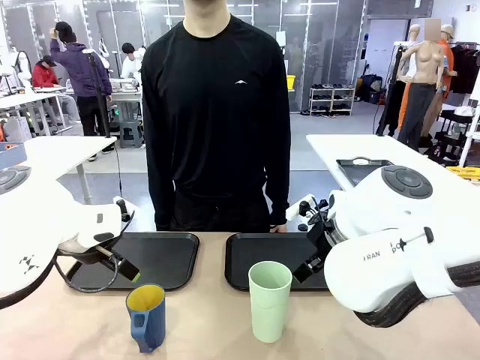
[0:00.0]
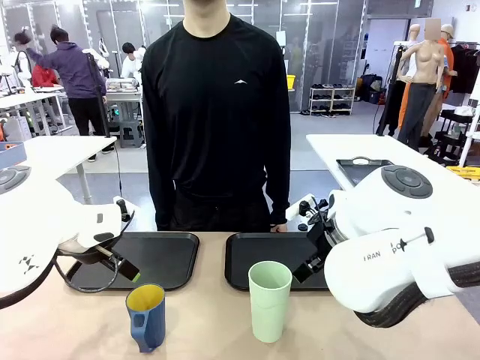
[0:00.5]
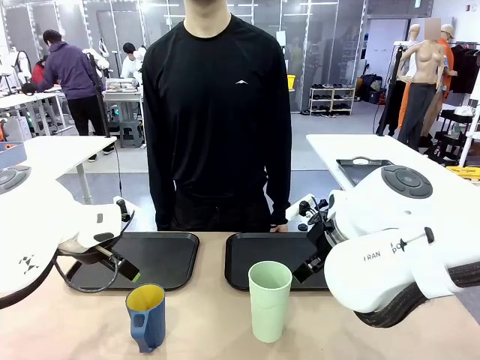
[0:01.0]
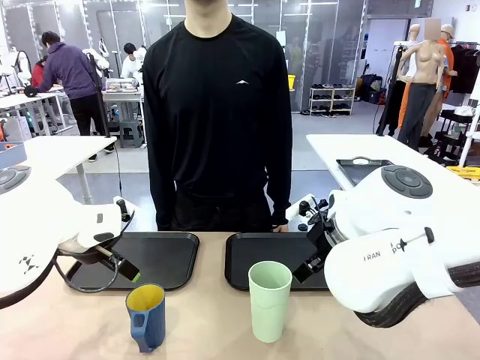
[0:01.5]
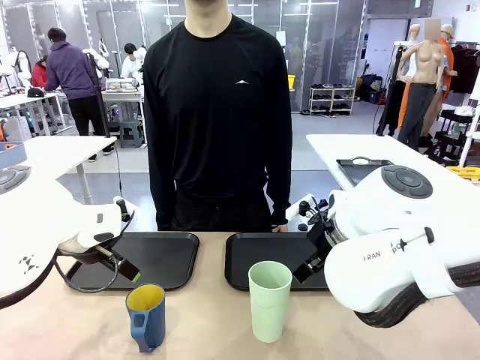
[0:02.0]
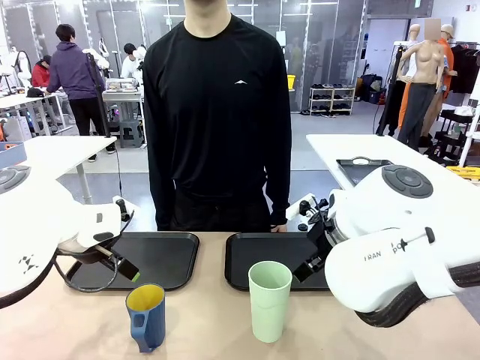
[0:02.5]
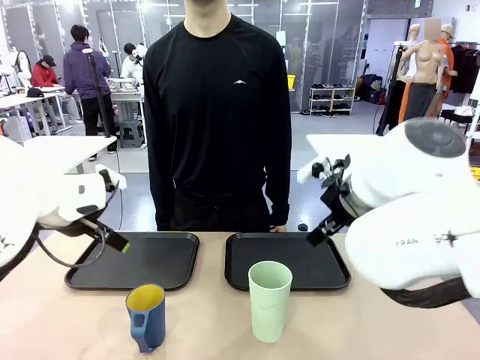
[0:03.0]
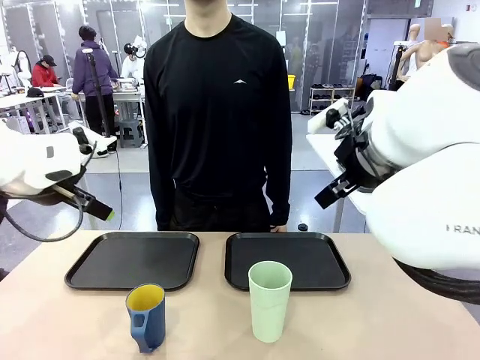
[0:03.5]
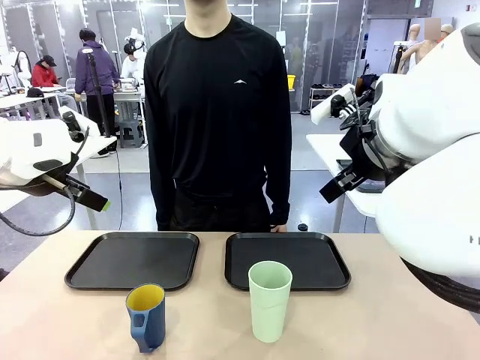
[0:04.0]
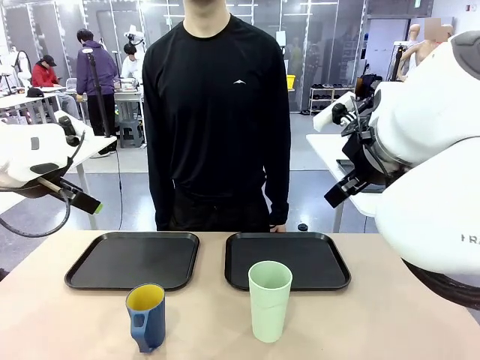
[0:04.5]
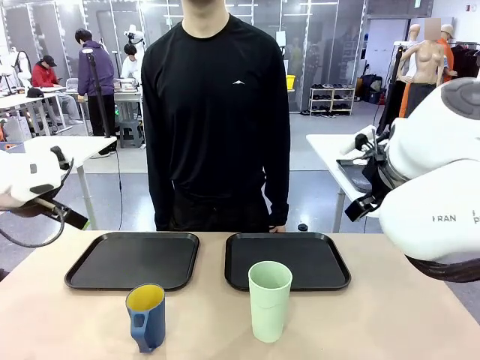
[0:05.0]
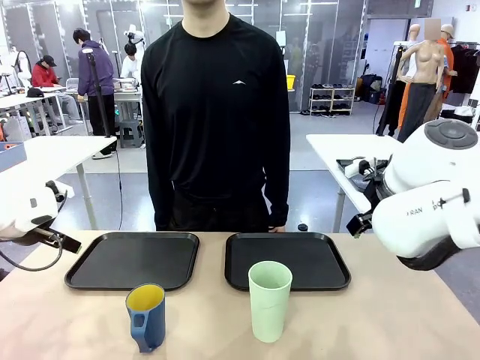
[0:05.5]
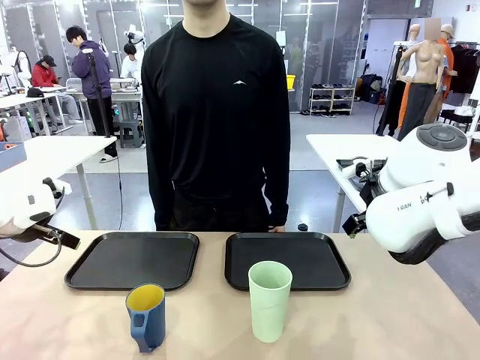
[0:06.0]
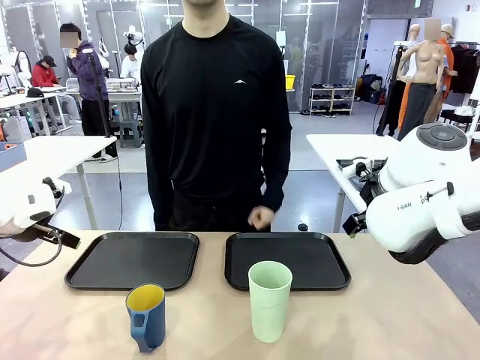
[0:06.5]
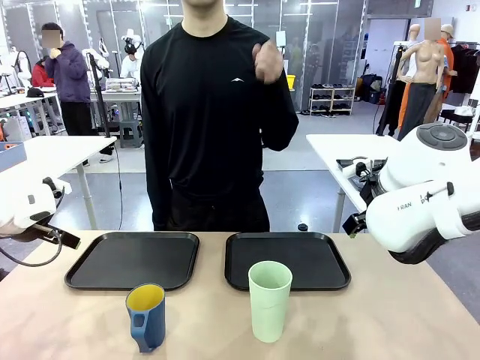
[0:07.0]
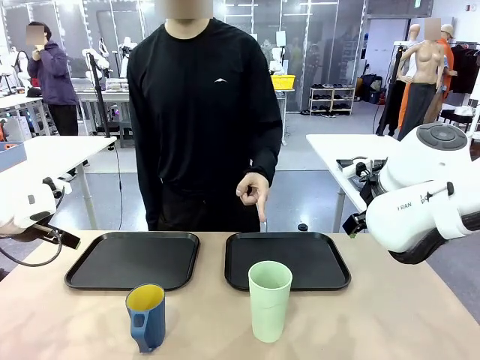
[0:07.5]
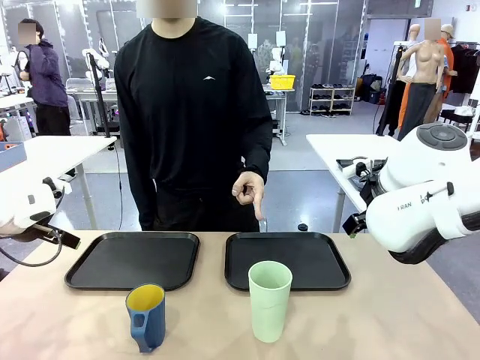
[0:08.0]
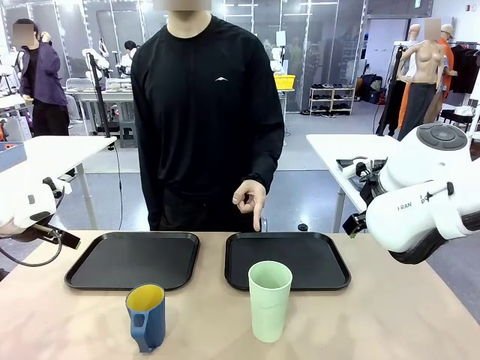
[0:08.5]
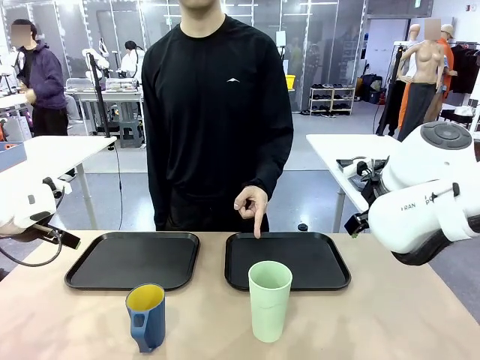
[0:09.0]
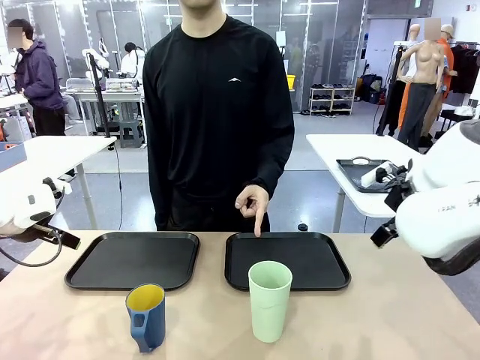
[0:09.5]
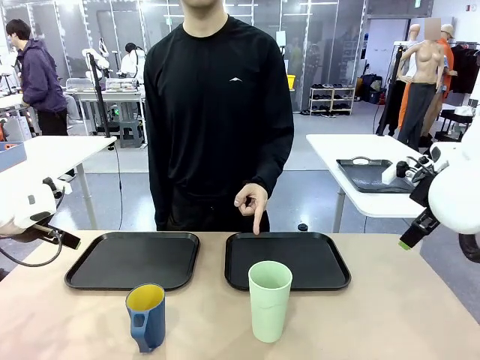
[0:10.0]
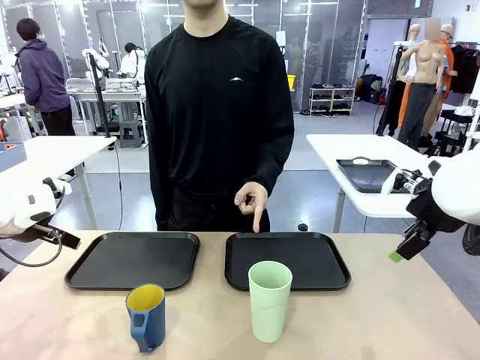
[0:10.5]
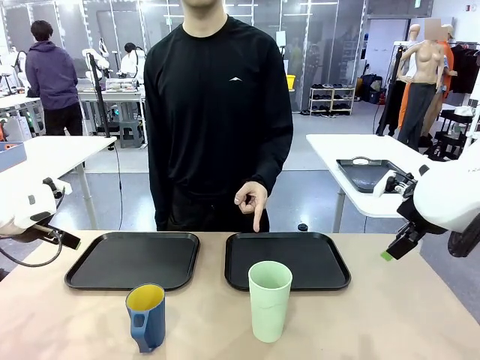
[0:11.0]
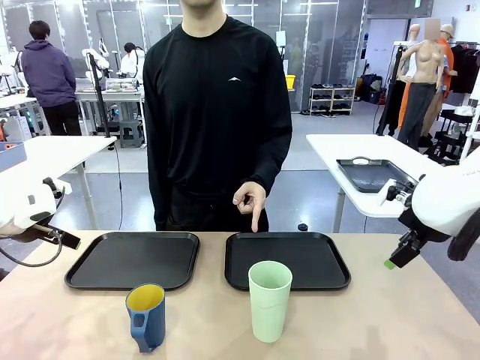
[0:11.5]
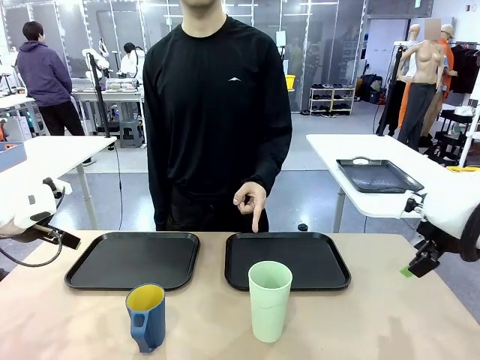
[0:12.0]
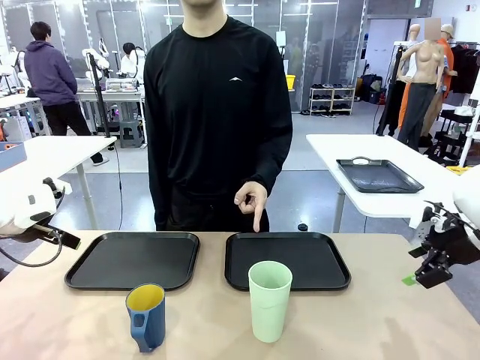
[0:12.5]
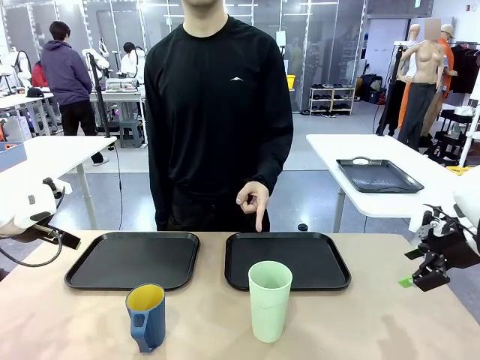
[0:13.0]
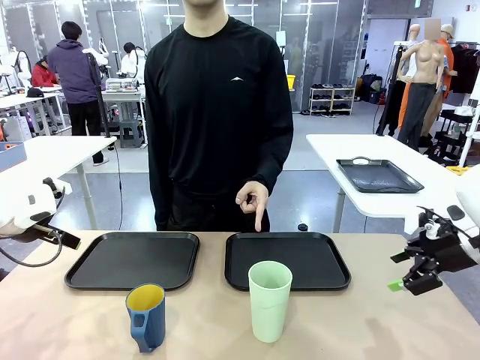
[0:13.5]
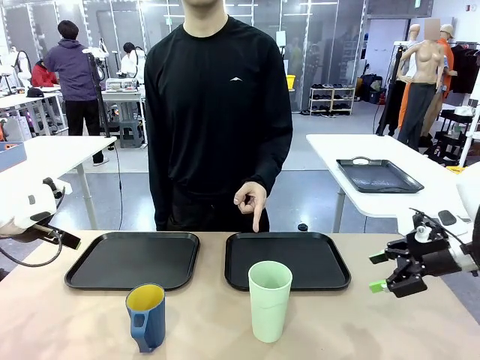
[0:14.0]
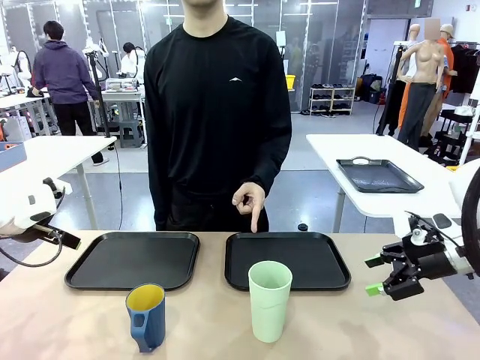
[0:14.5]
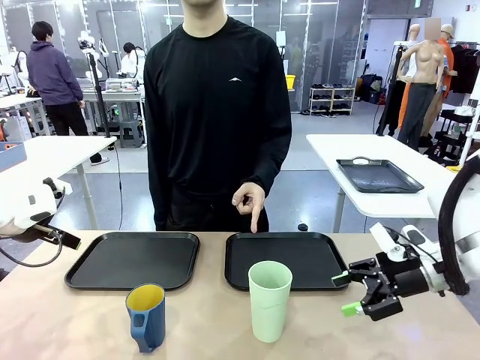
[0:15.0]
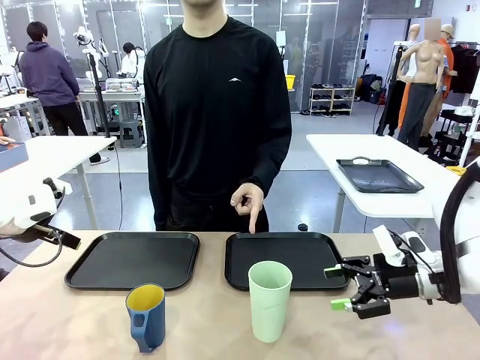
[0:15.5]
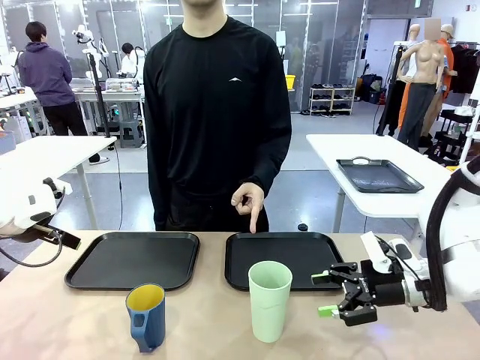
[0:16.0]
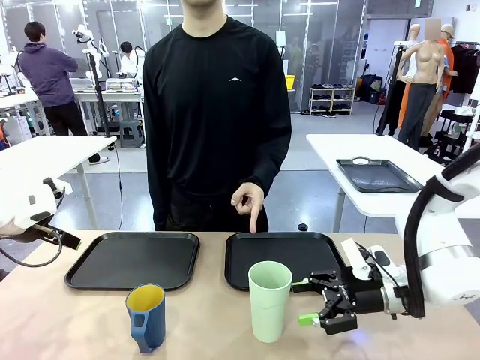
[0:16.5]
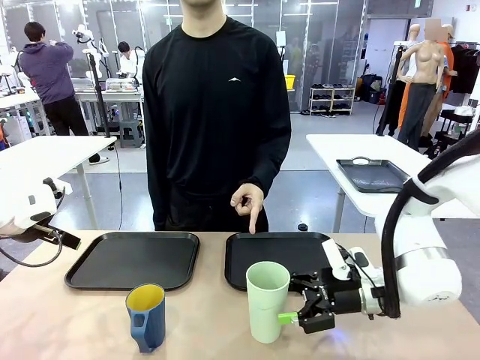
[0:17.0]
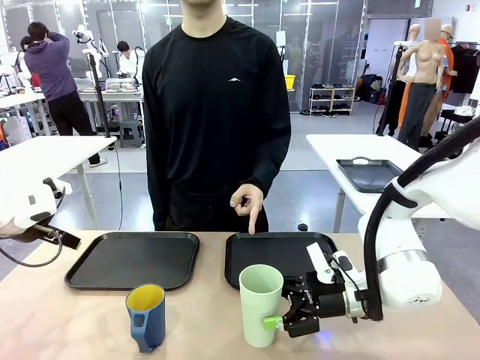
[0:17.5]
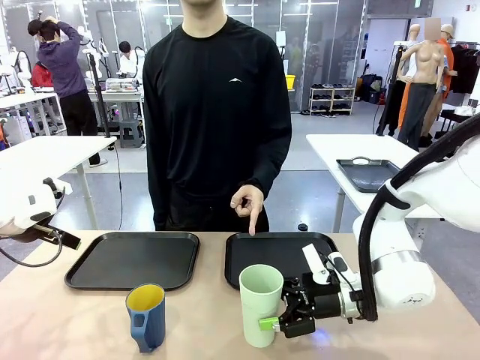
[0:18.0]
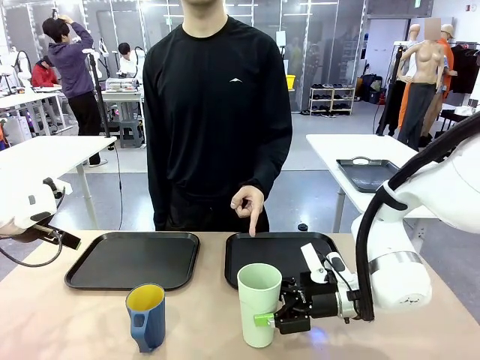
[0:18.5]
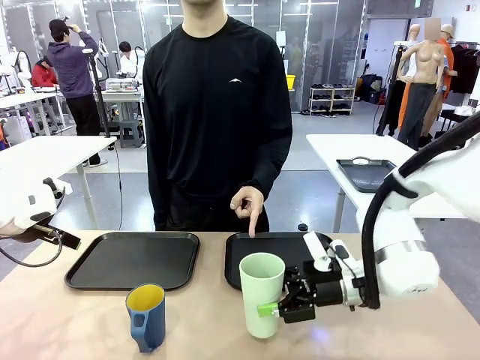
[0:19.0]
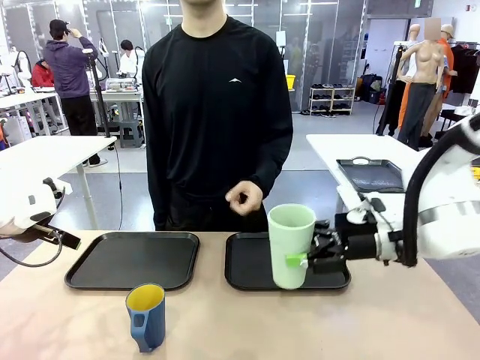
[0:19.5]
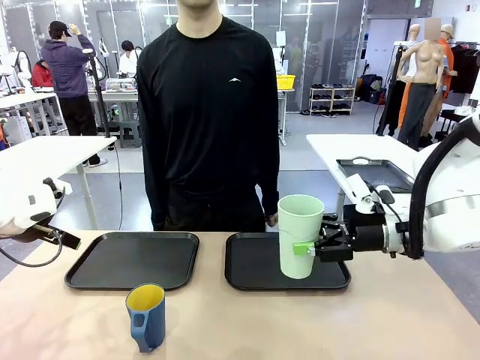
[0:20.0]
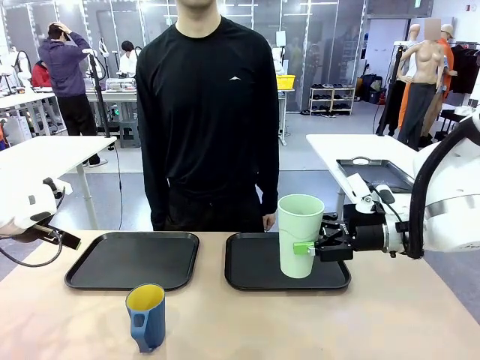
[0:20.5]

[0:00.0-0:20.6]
Task: Sort and store the cups by type.
Robot: Pick up the Reusable plastic cup.
Person: Points to the reusable cup. Point to one of the two trays.

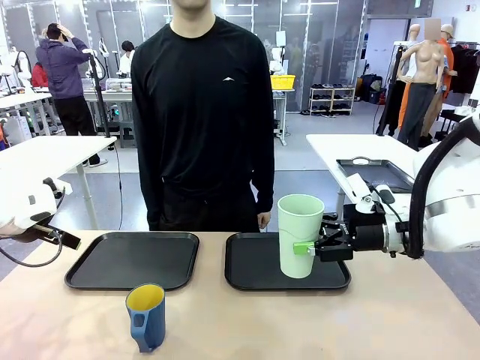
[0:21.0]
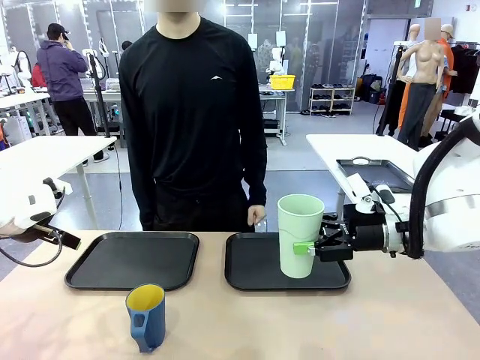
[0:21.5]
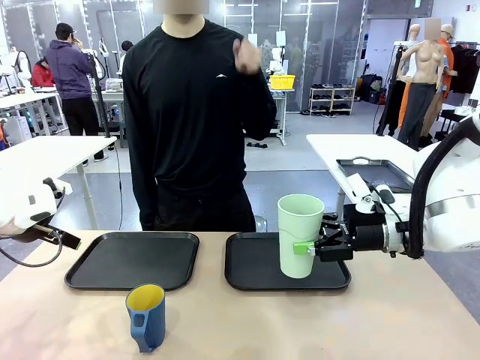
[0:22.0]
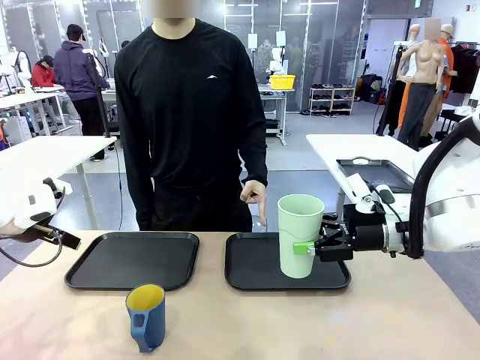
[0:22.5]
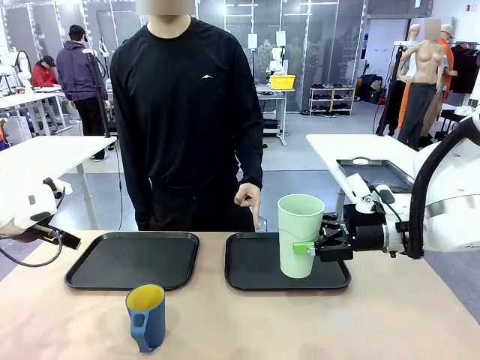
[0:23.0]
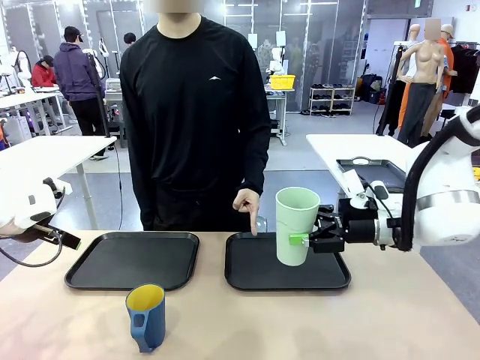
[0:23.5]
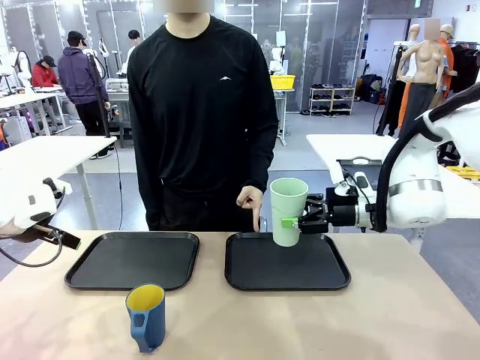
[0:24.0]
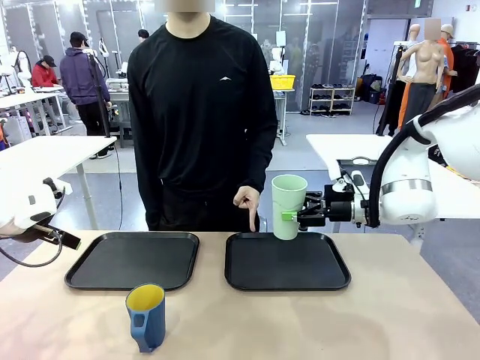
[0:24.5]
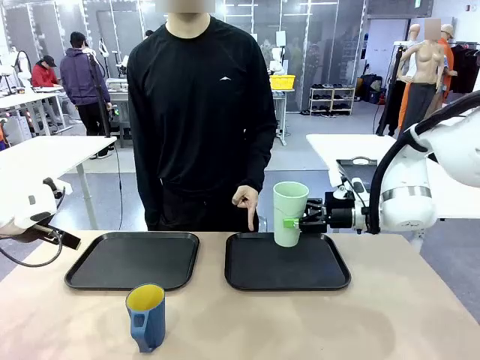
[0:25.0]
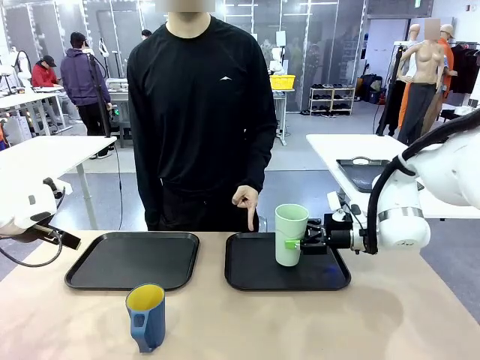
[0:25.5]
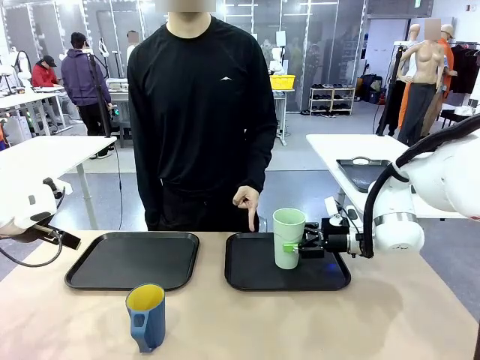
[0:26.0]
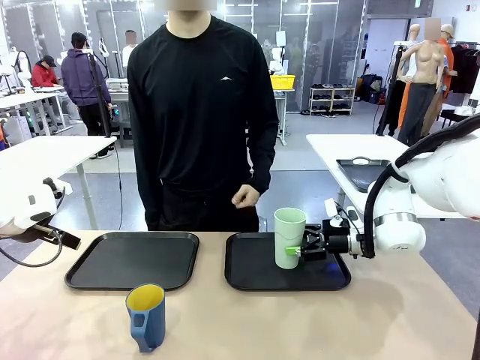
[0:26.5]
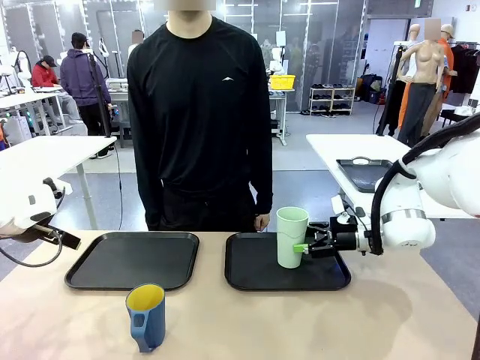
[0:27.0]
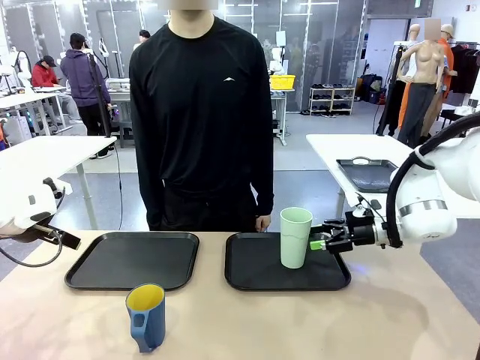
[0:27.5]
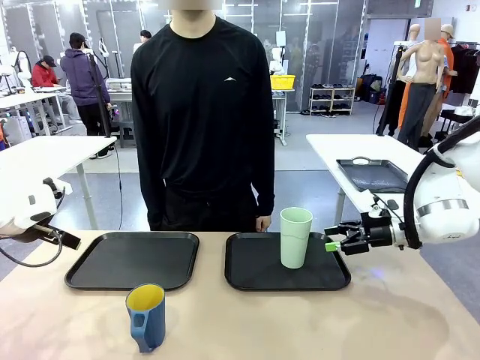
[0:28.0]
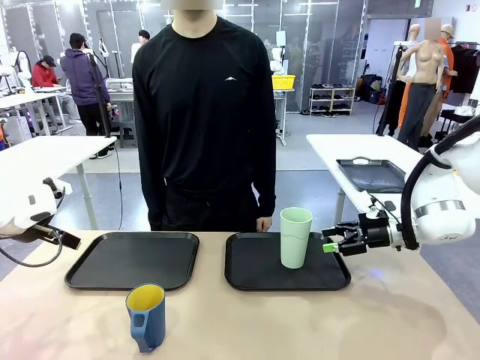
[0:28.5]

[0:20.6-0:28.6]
Robot: Place the picked Reusable plastic cup into the Flat Tray indicated by the person.
